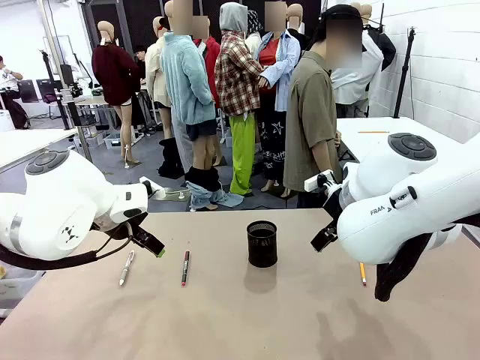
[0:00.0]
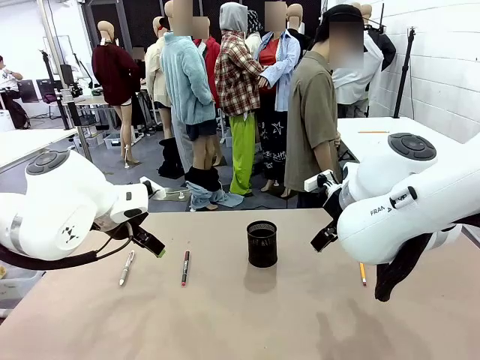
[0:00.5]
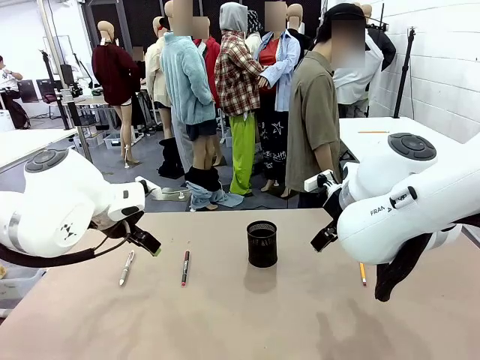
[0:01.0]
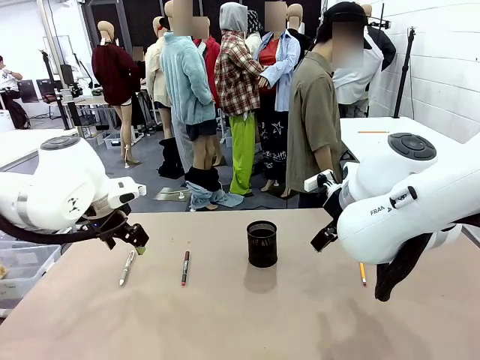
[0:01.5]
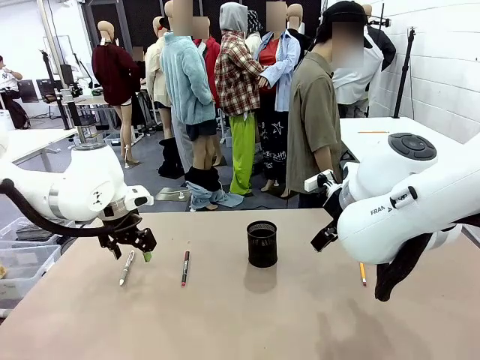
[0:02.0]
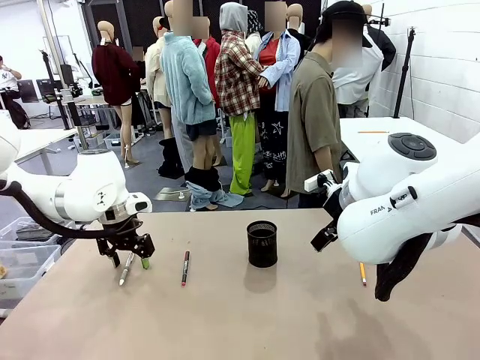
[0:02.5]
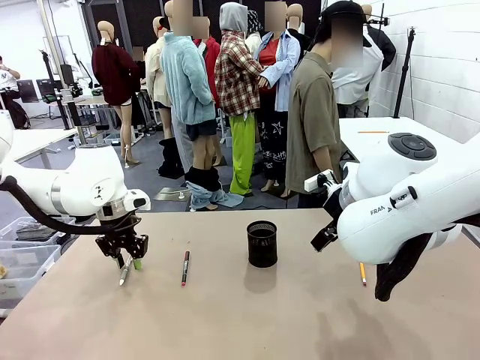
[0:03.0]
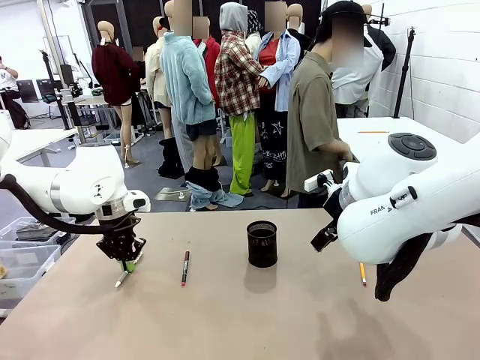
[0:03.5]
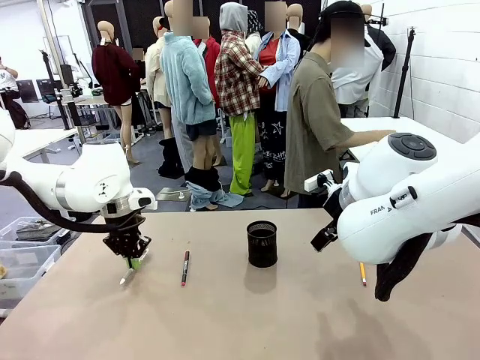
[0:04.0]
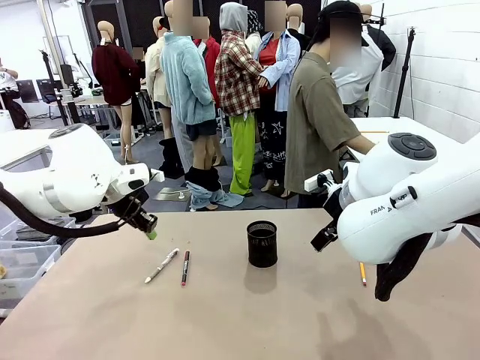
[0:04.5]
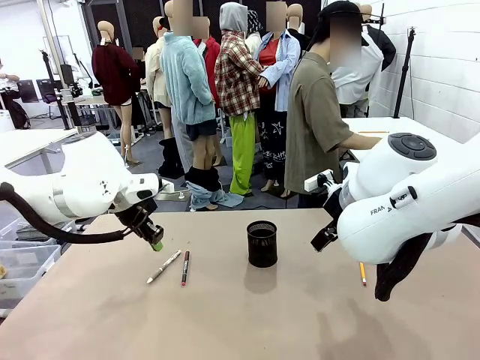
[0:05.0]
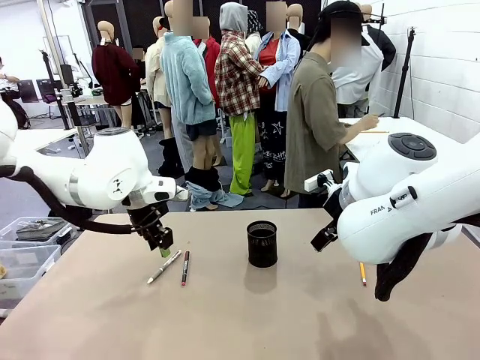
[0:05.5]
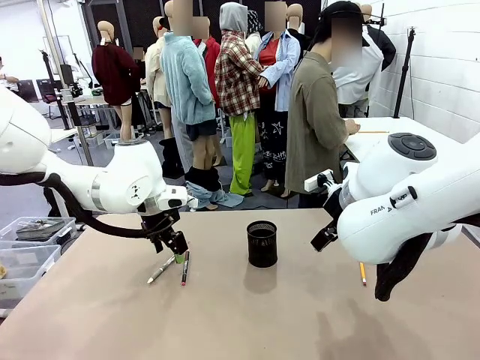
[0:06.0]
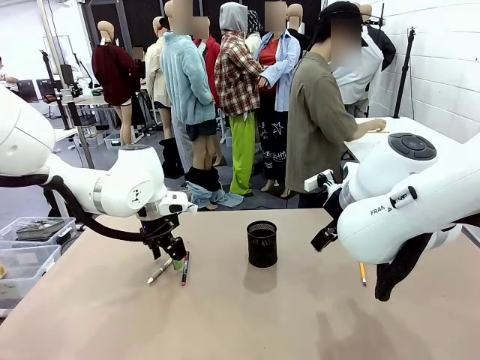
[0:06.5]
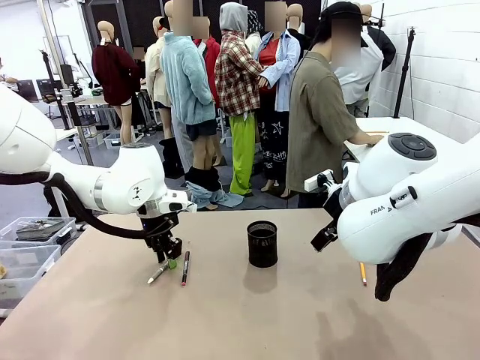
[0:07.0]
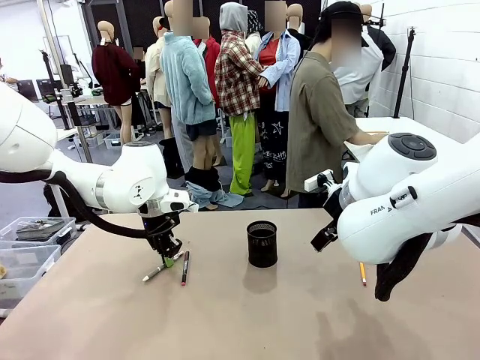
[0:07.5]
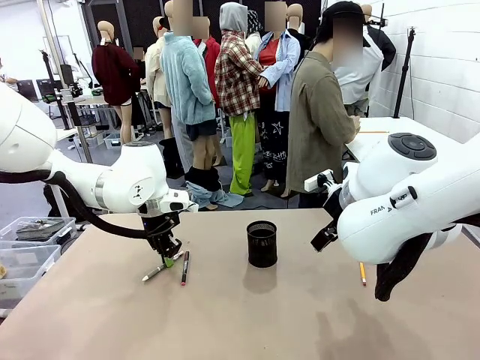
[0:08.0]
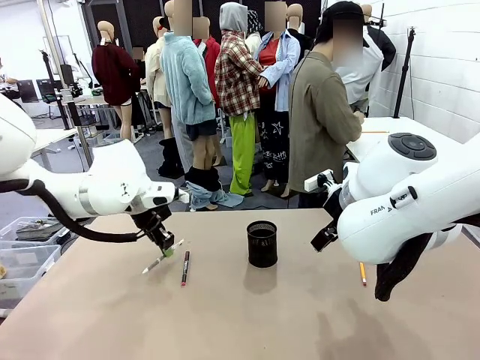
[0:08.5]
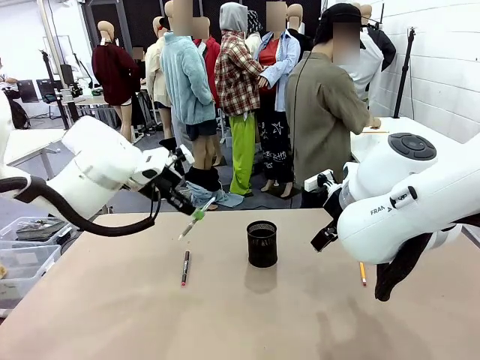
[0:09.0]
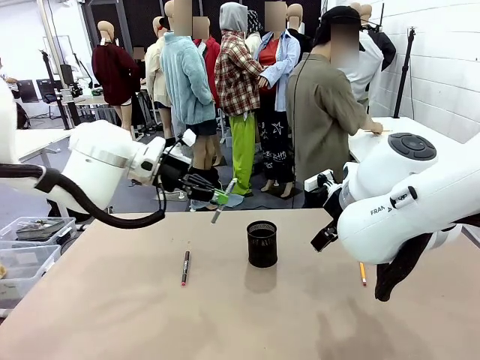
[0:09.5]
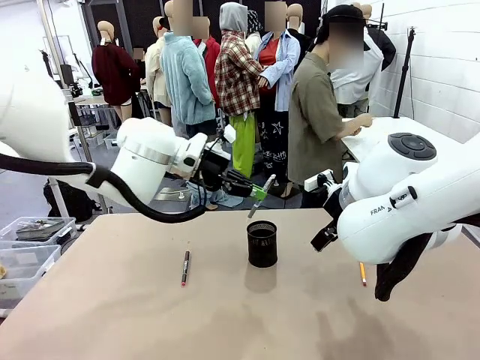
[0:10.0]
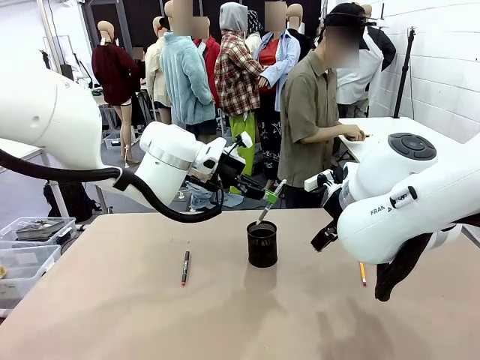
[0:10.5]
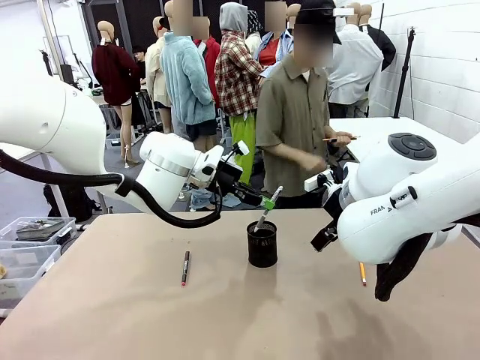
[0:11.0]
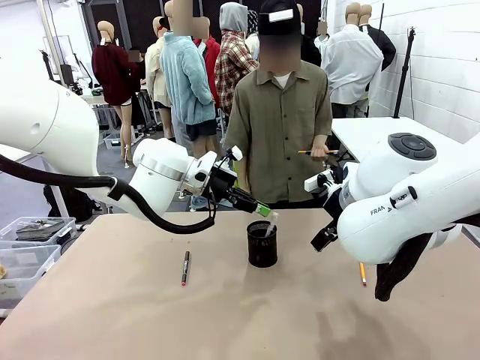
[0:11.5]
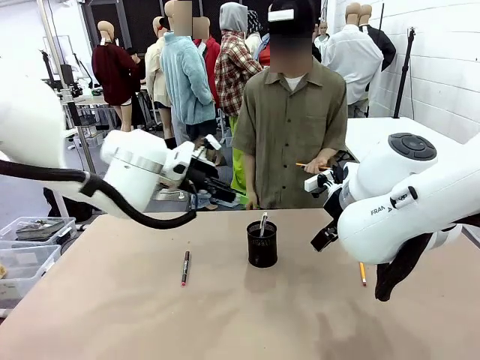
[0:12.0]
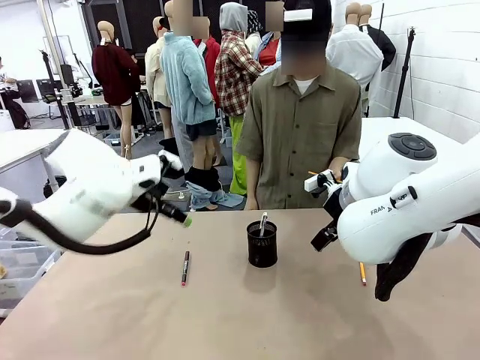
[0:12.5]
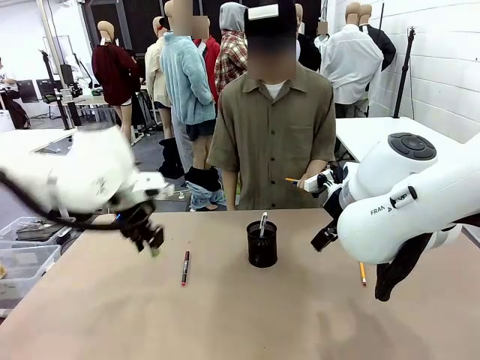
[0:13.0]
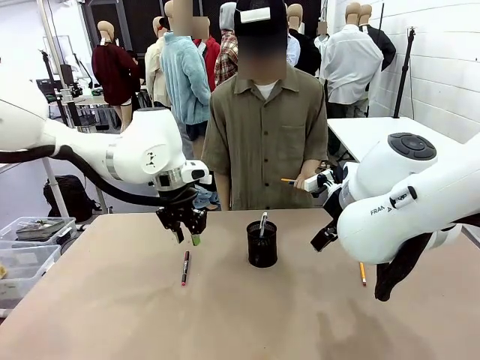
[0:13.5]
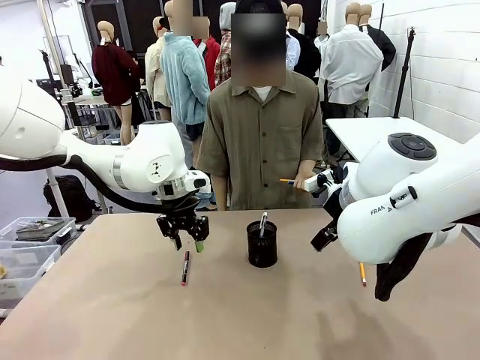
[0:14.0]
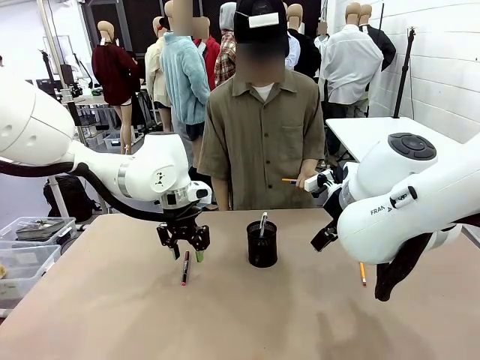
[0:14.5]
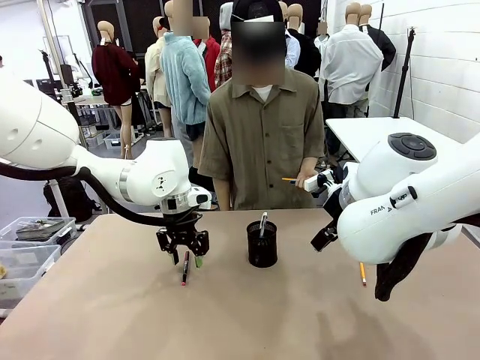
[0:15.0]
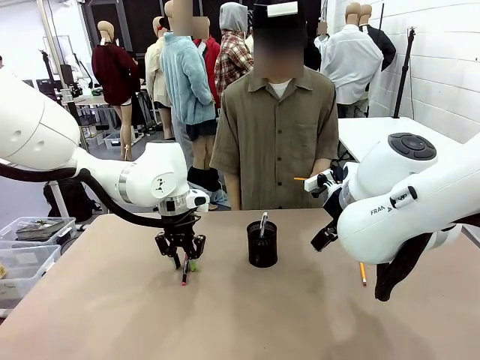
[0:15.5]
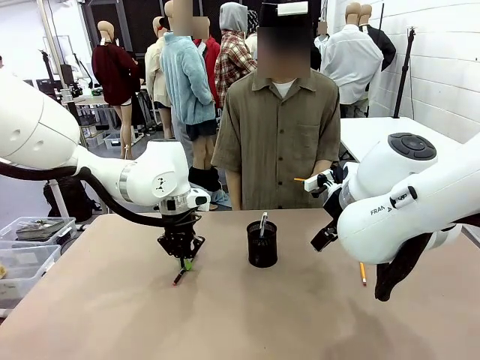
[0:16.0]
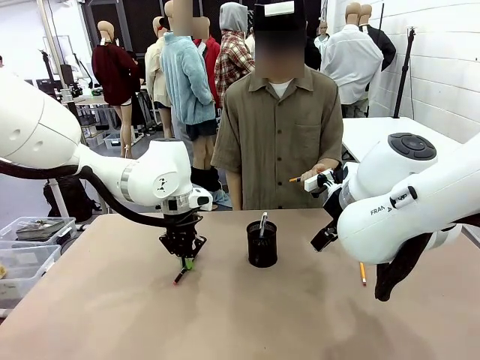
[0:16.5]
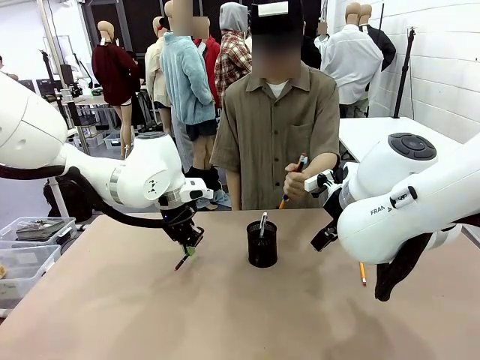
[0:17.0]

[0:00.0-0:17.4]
Task: Place the pens into the pen holder.
Robot: Pick up a writing instrument from the table and place it into the Pen holder.
Person: Pick up all writing instruments from the Human table.

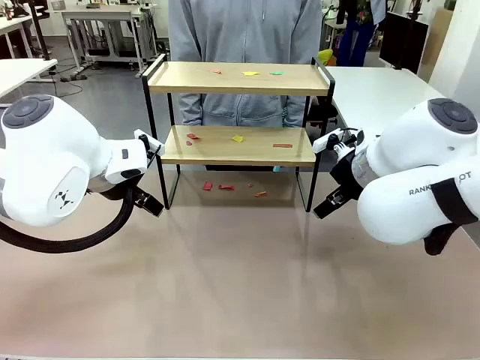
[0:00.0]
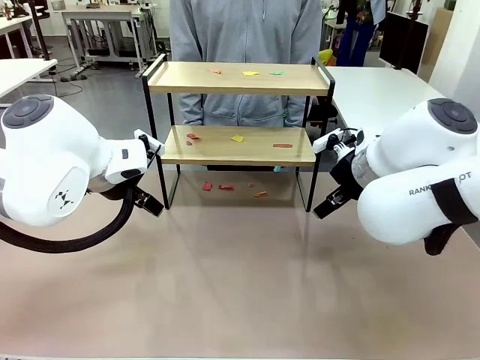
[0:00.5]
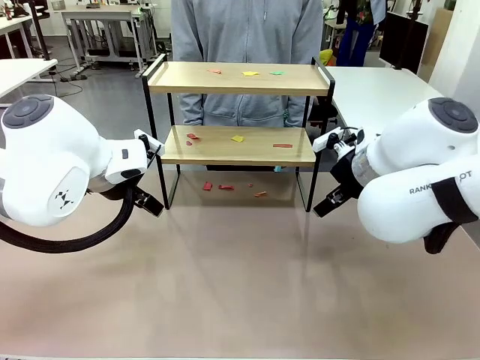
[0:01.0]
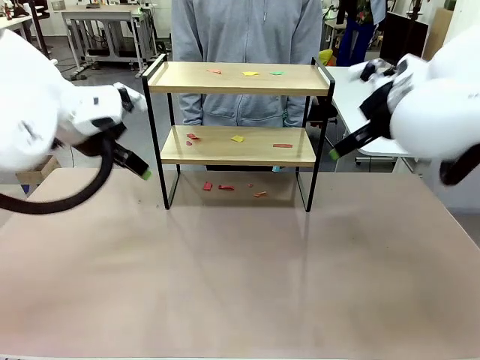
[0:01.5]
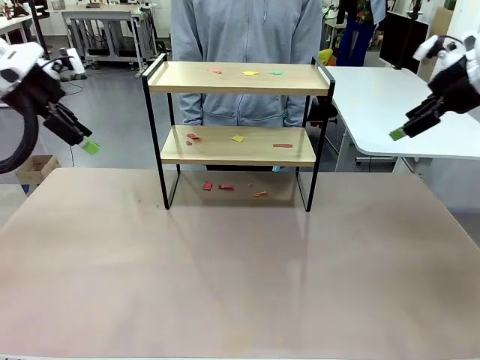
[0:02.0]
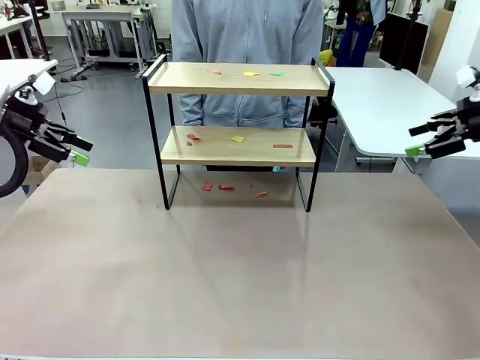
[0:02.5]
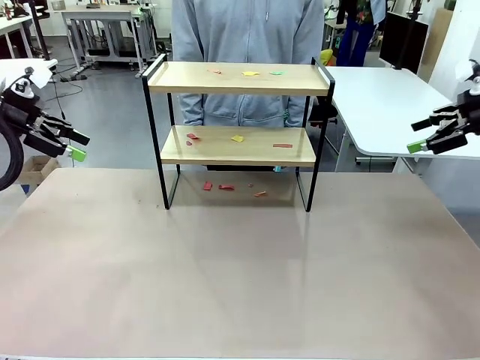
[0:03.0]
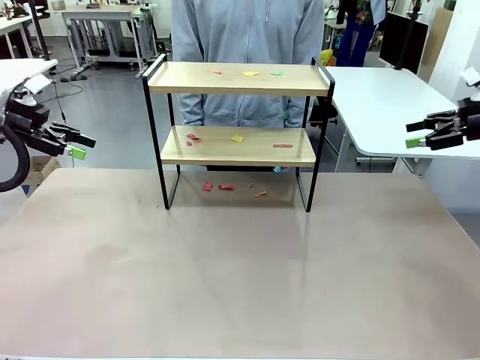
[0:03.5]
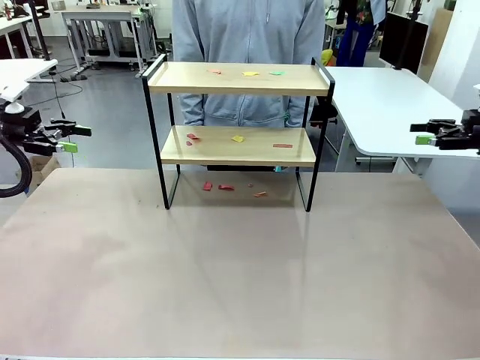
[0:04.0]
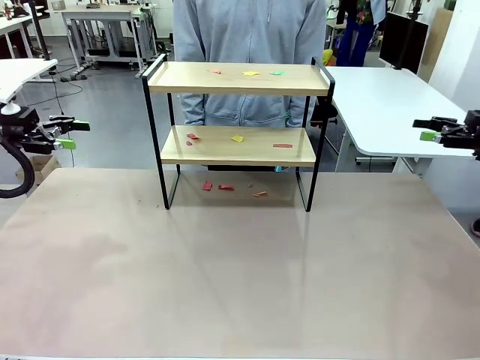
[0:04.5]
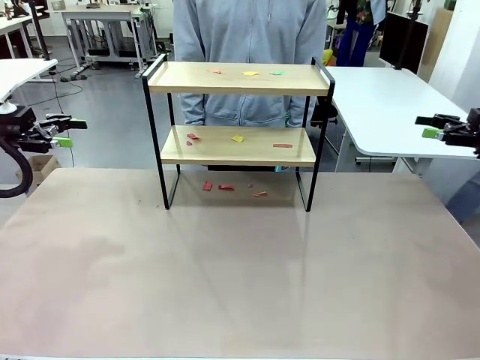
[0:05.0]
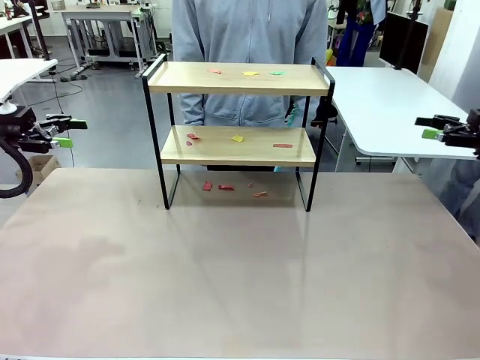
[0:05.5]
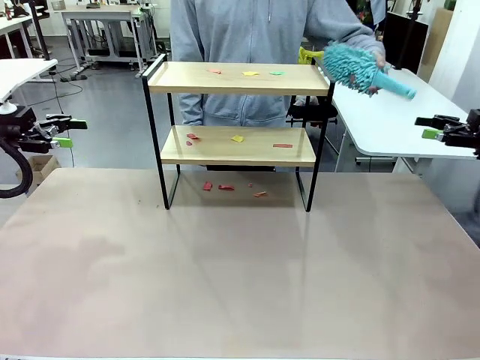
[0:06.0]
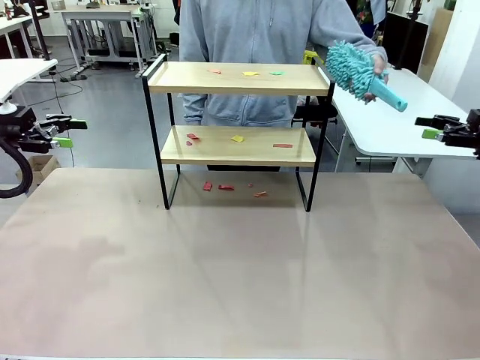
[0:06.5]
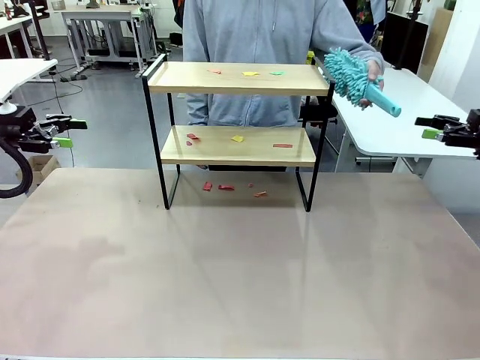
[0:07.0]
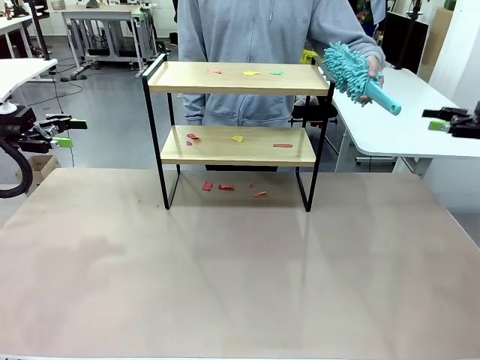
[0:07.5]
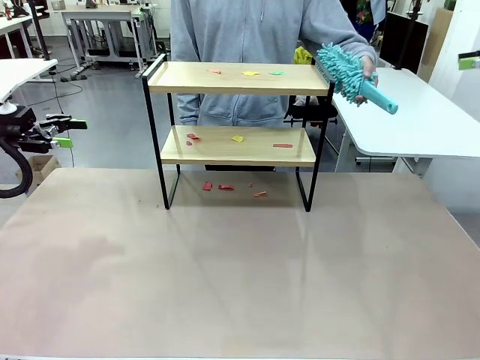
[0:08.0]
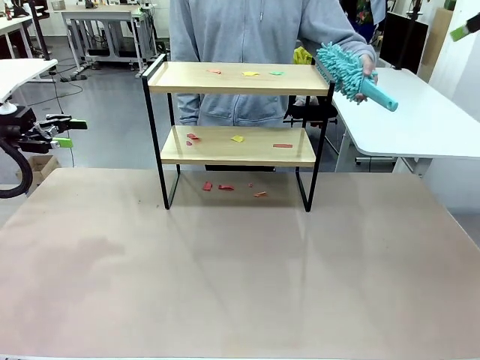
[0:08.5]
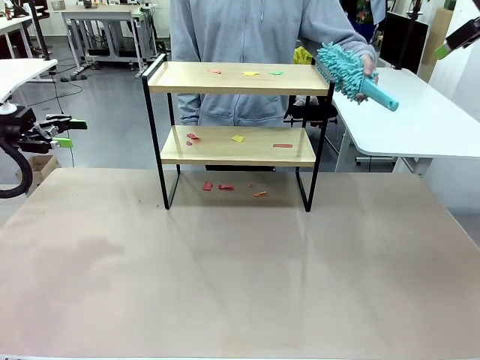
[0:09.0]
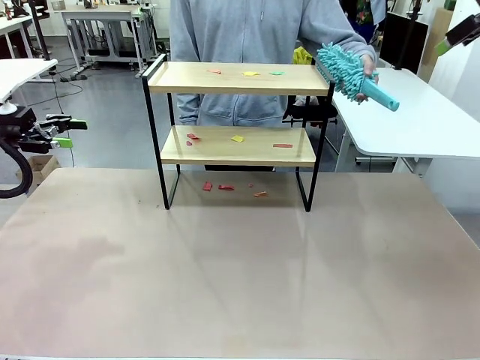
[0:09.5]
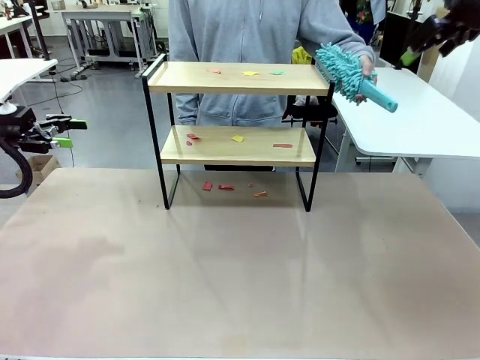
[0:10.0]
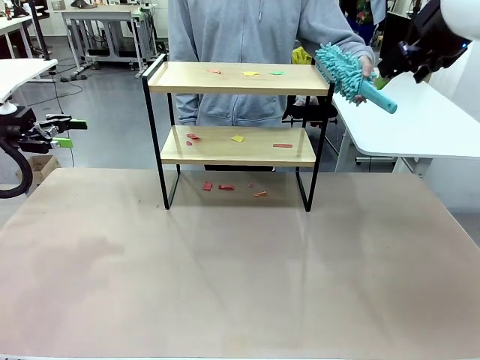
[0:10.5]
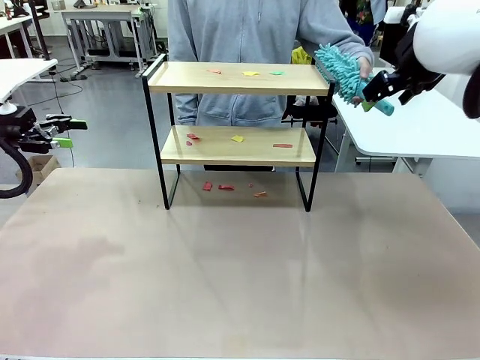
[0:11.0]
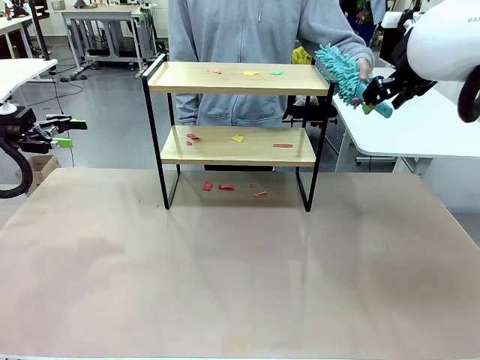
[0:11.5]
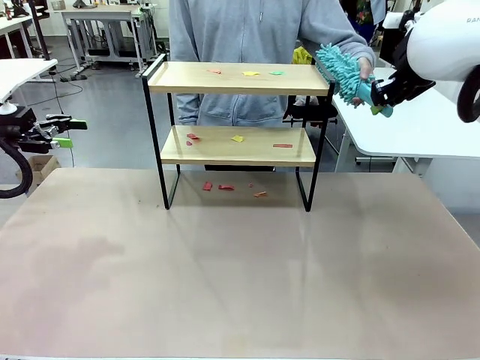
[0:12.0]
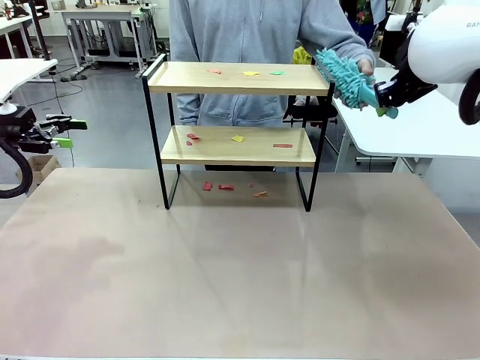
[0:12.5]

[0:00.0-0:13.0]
Task: Clean the shelf.
Robot: Pick up the Duster handed by the human.
Person: Hand the Duster to the robot.
